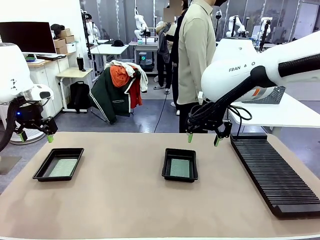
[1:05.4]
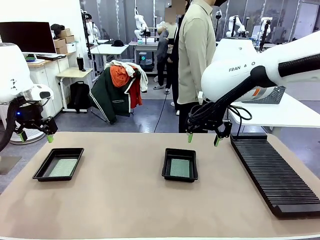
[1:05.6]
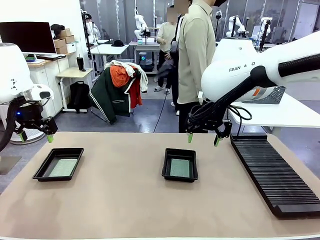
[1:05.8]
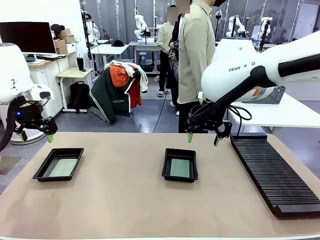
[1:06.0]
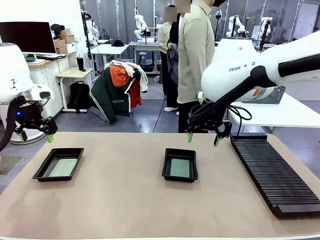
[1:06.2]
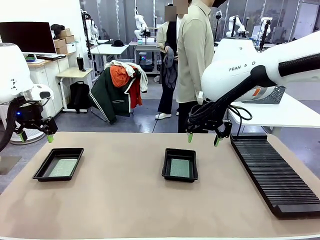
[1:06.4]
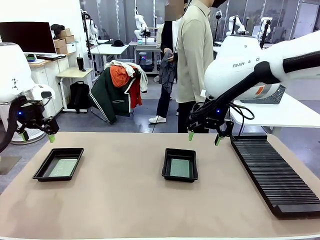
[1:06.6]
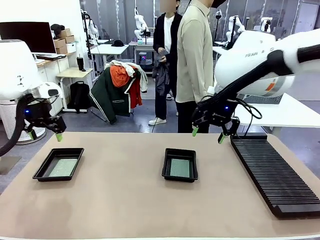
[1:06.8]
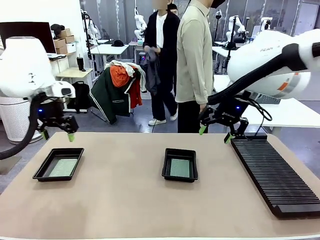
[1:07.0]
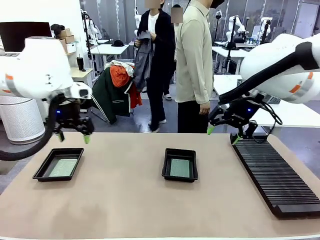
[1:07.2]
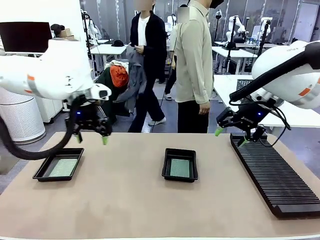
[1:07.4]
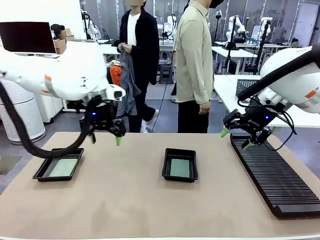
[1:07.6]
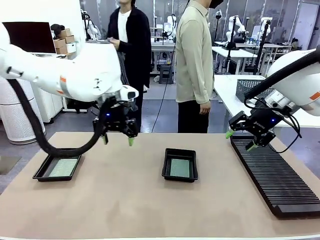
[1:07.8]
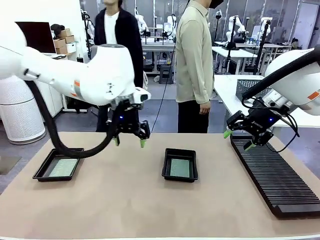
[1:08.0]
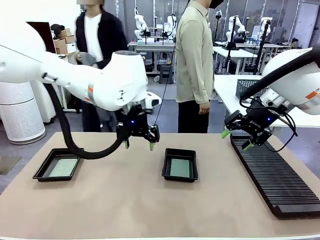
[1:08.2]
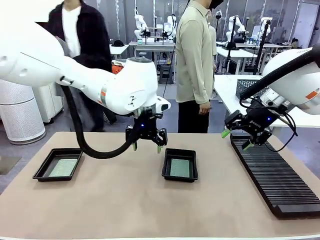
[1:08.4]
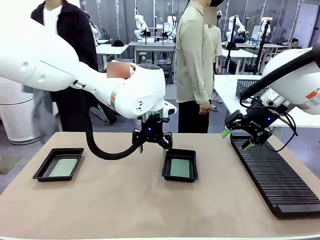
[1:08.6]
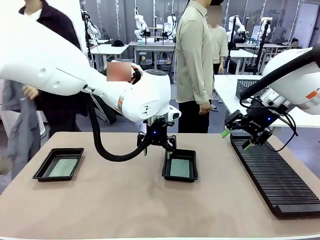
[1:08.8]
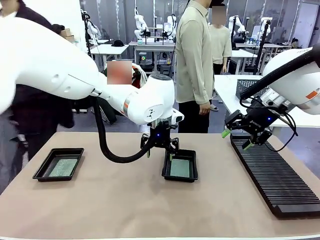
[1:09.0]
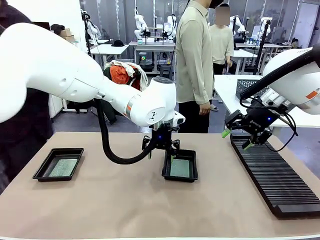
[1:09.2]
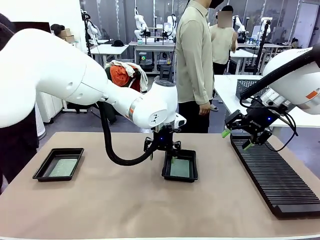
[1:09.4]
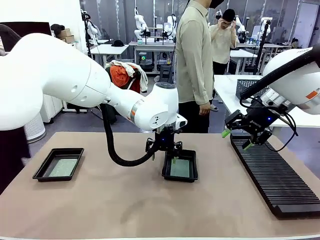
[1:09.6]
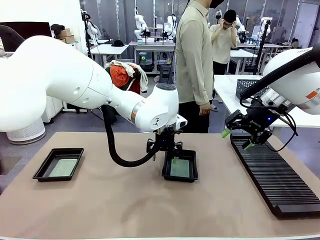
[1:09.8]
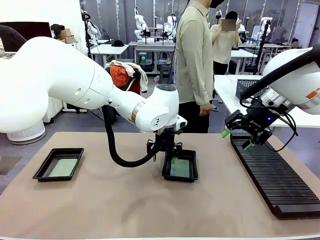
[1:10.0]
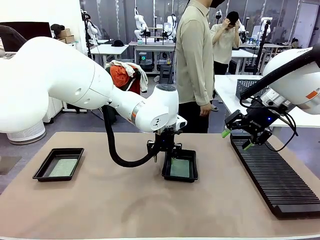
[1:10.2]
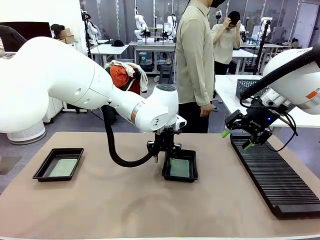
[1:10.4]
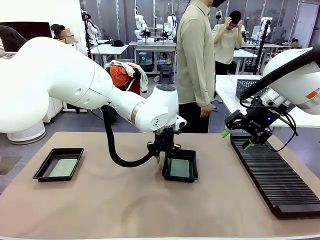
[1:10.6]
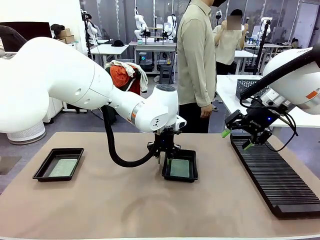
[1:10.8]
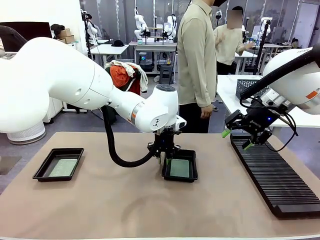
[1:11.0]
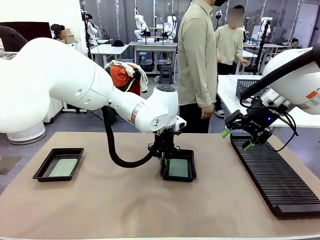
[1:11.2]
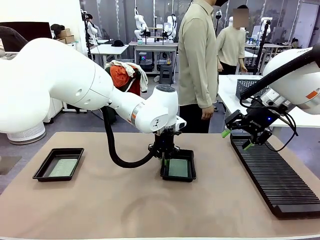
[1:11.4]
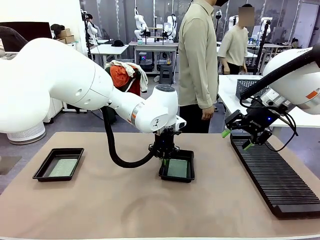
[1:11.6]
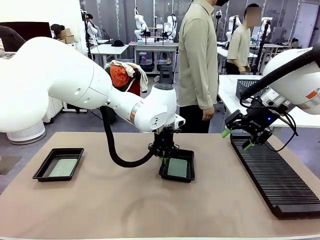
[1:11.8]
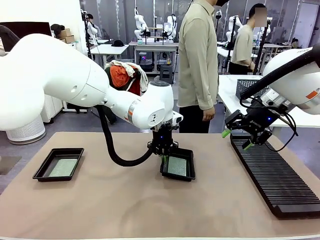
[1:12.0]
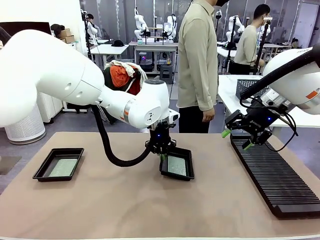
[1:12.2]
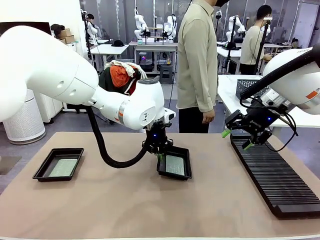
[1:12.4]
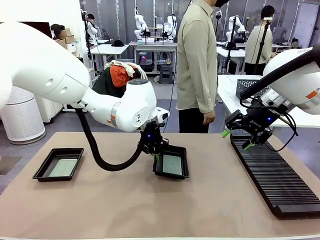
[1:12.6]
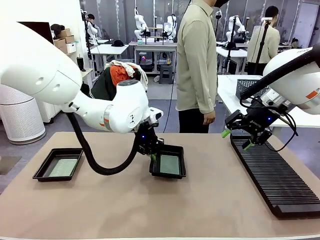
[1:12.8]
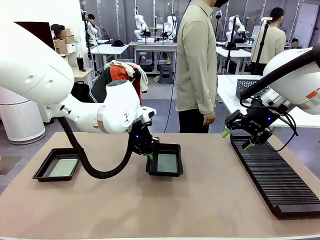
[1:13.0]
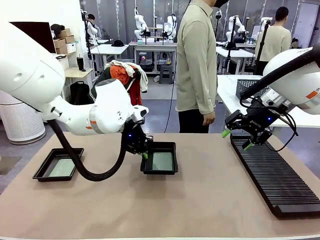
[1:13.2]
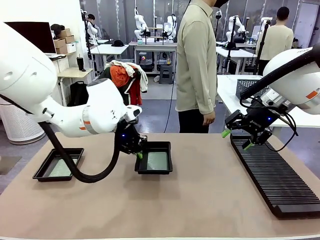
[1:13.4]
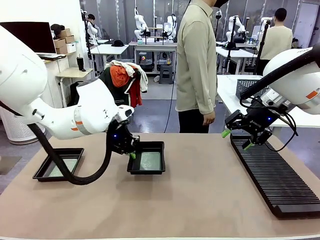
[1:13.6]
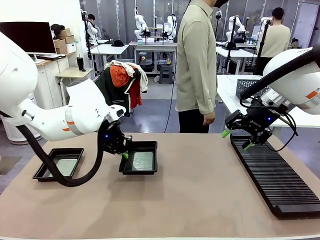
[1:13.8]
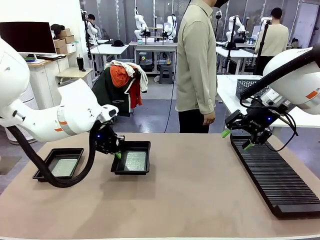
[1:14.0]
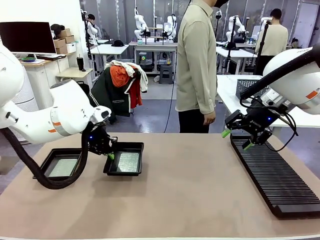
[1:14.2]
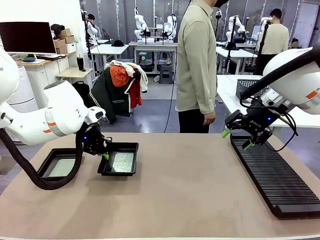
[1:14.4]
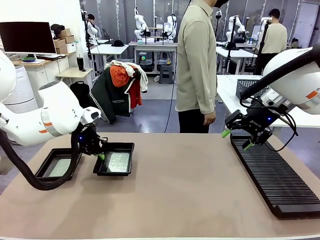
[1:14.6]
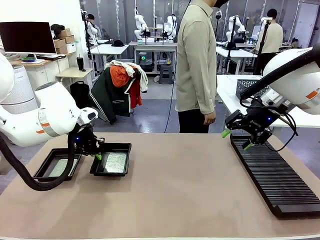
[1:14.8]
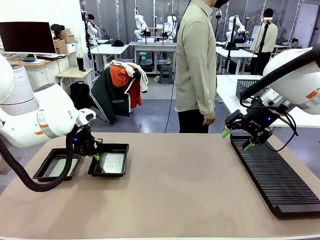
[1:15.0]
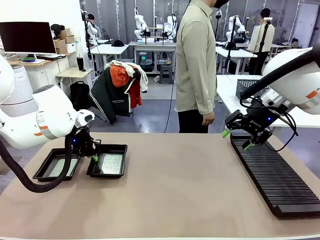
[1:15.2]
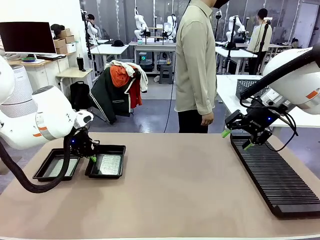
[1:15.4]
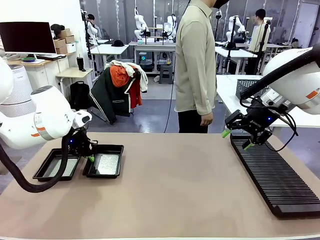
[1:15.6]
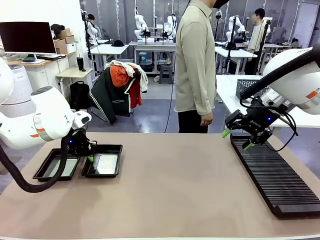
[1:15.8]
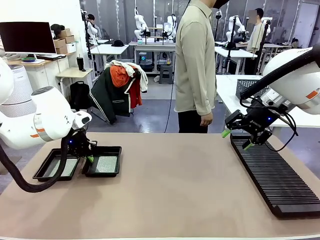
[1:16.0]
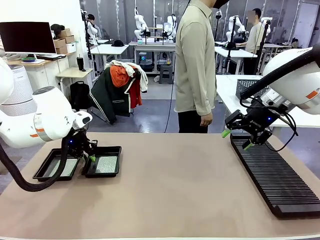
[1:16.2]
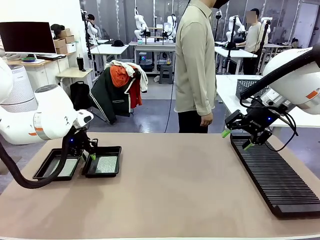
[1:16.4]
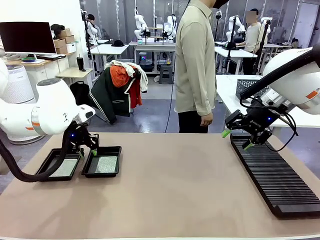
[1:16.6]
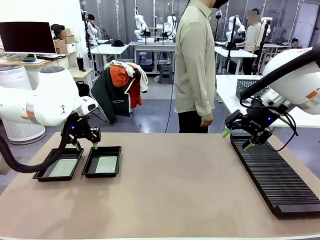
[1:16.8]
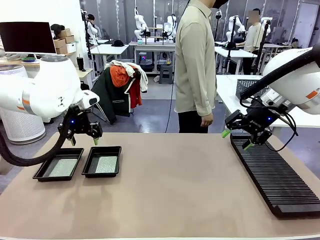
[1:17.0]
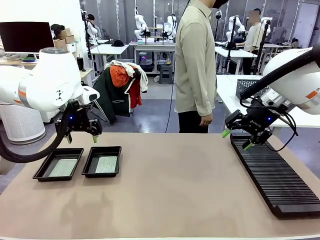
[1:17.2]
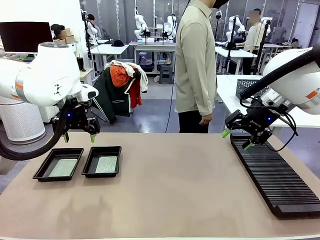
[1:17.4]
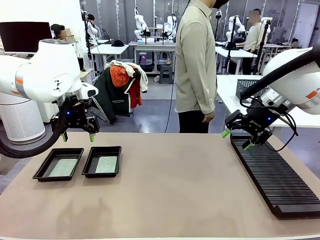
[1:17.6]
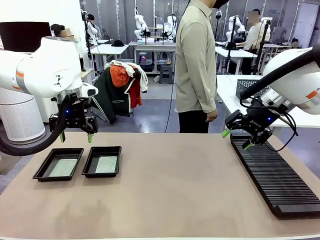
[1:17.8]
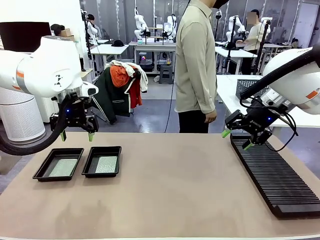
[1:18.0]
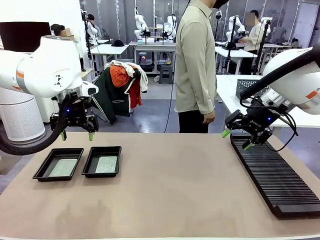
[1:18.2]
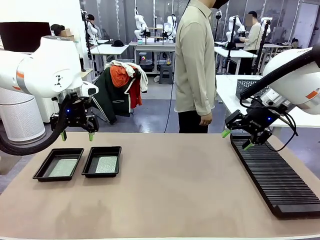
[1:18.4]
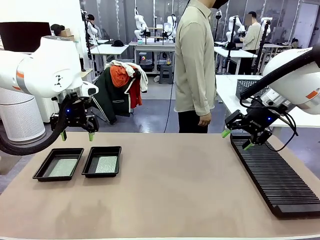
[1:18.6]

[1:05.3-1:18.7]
Task: Inspect and transfer BCBs to ESD trays.
Robot: Pick up the ESD tray and place it on the left side of the table.

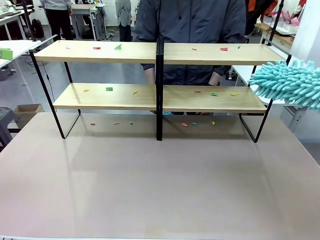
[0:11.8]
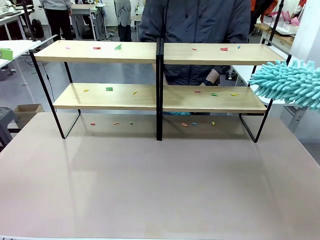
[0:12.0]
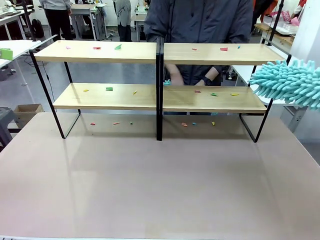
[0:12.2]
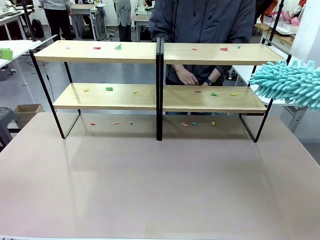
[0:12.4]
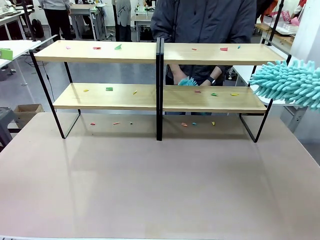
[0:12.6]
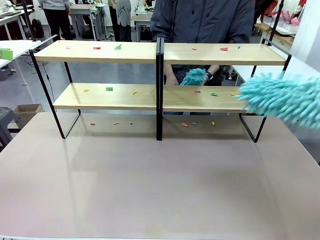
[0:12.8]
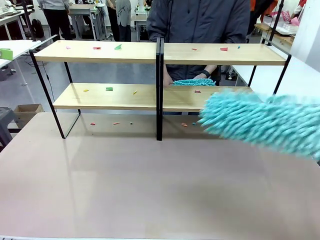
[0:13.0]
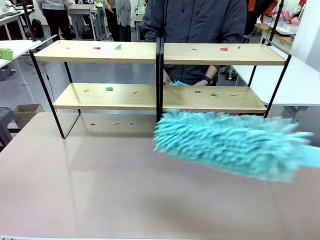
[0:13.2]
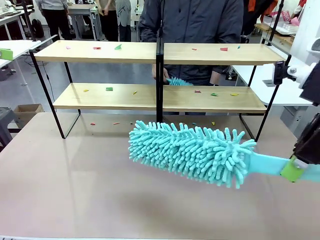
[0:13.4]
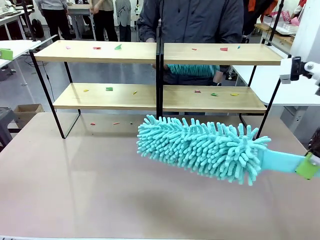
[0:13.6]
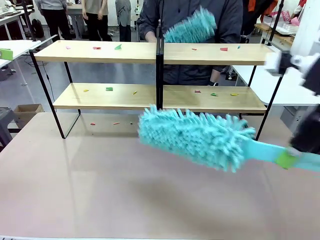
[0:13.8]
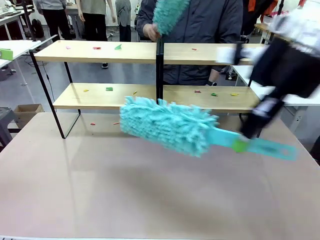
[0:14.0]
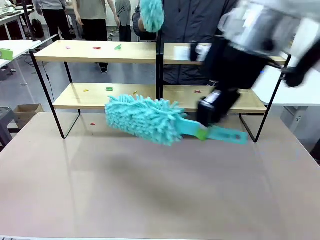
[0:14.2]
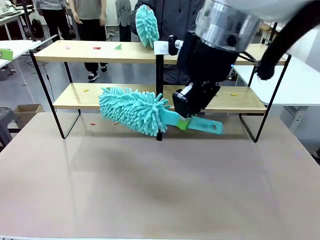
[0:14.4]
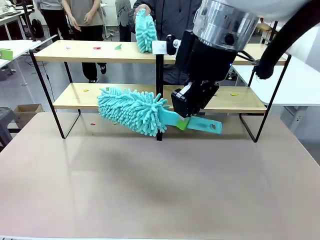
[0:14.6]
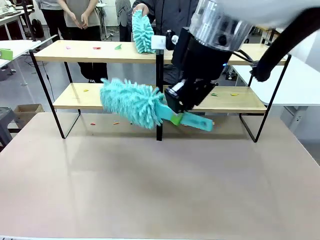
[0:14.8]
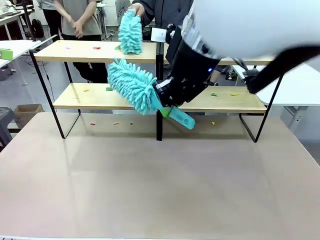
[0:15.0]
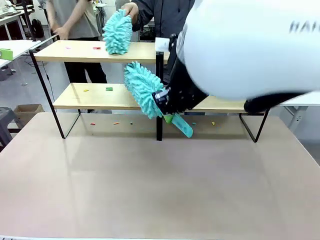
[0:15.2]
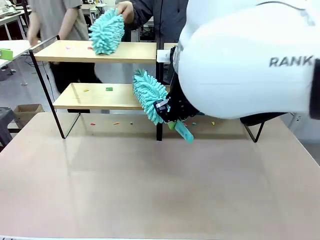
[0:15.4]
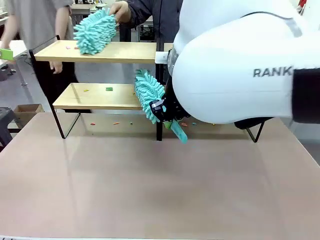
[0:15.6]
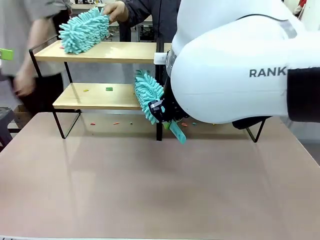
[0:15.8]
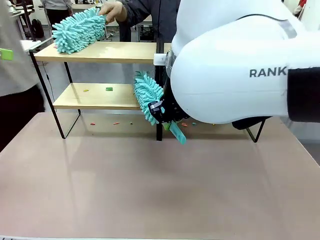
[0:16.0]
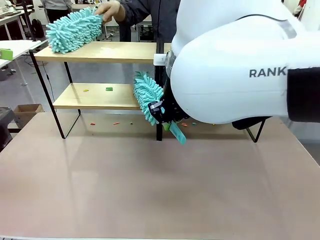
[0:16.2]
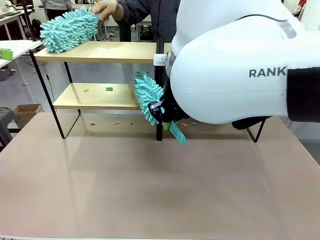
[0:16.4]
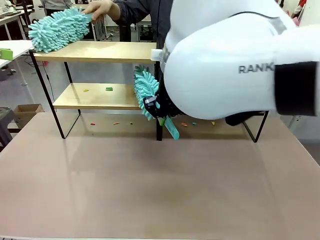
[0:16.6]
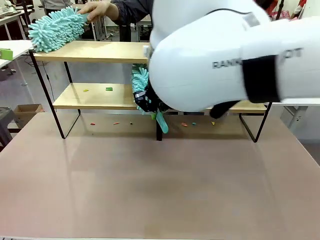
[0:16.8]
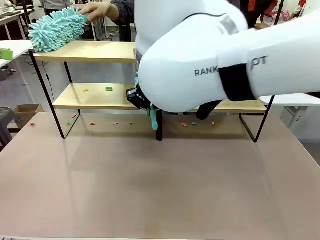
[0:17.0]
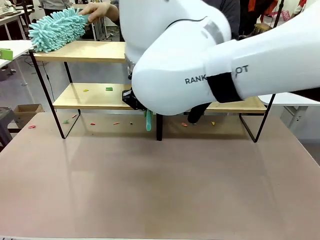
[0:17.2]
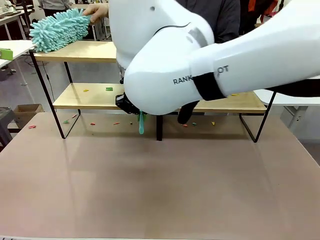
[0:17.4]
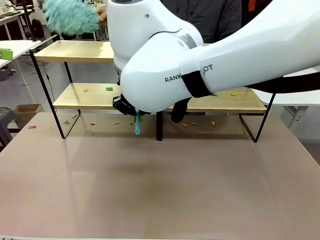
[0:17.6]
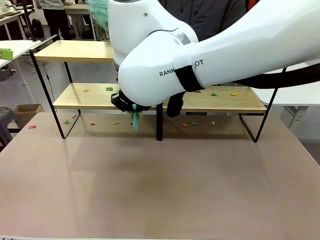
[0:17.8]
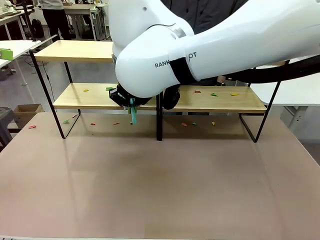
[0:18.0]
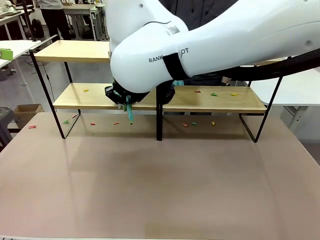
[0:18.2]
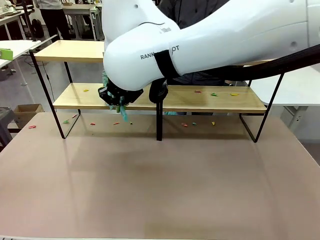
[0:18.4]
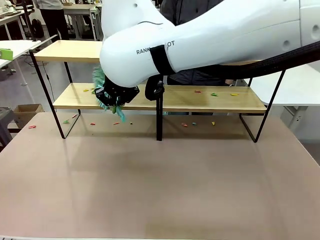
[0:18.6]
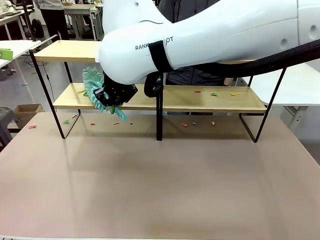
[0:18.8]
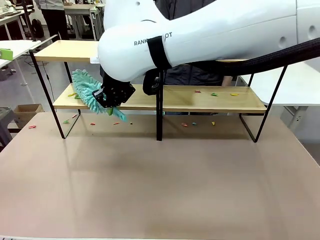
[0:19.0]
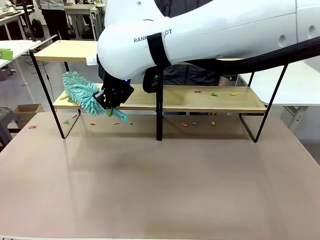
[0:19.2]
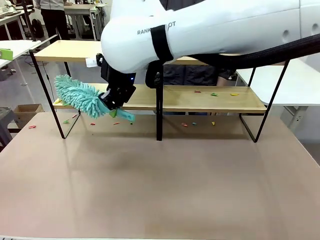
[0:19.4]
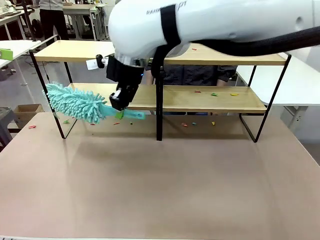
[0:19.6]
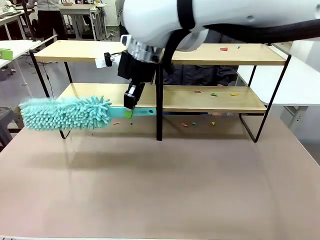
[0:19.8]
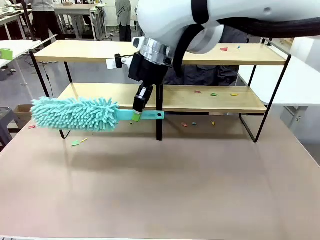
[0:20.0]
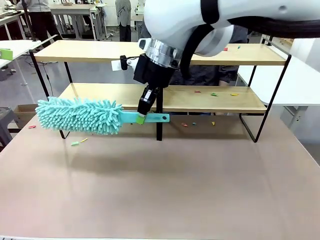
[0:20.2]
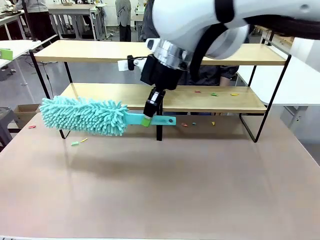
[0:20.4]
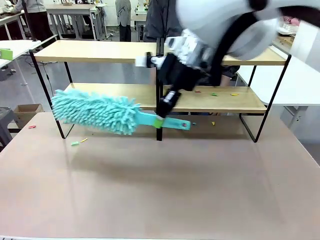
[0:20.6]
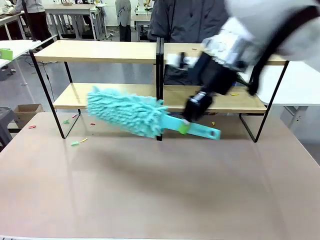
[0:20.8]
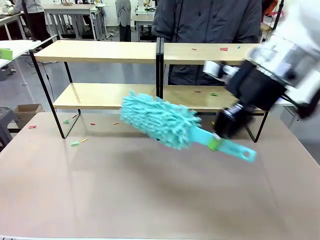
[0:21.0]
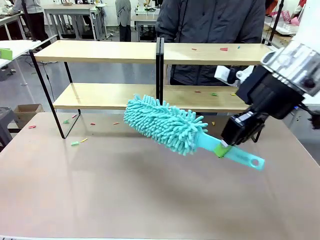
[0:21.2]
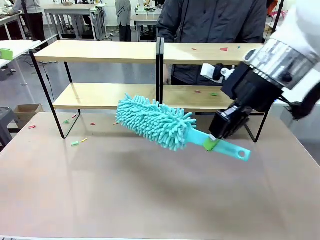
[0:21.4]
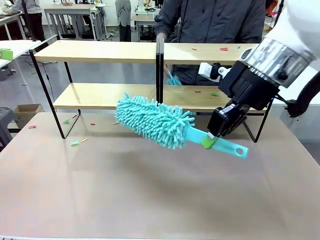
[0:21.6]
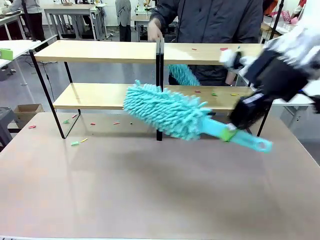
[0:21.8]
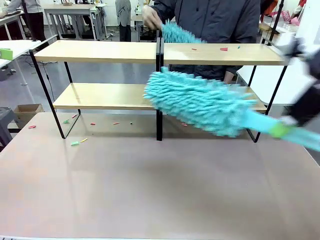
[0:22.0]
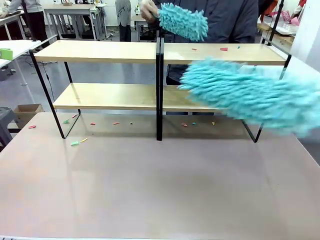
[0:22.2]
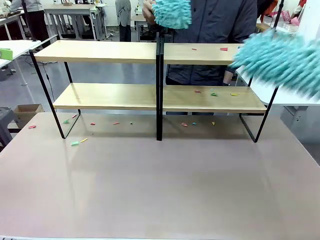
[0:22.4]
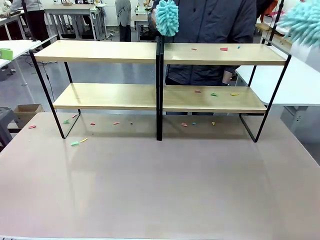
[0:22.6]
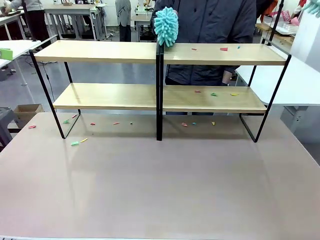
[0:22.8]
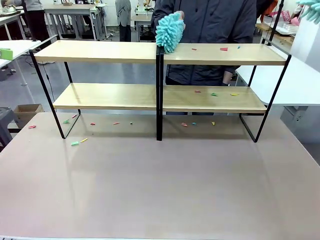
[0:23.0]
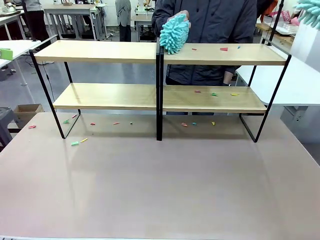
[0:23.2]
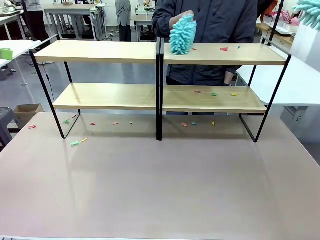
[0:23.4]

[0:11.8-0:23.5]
Task: Clean the shelves.
Robot: Clean a randomly selected level of the Shelf with the Duster.
